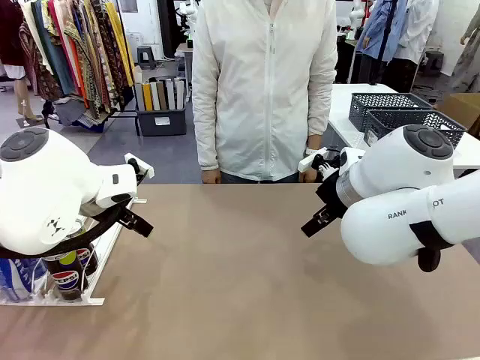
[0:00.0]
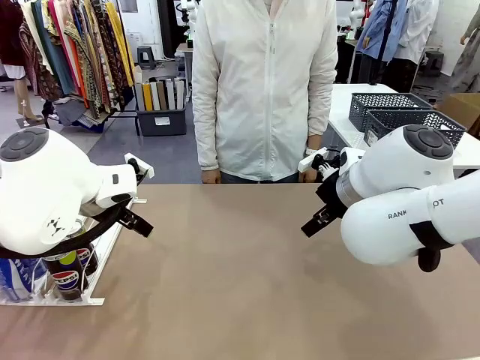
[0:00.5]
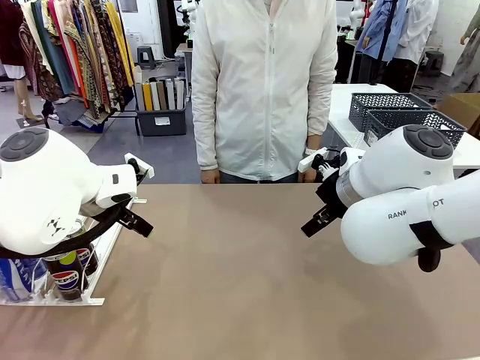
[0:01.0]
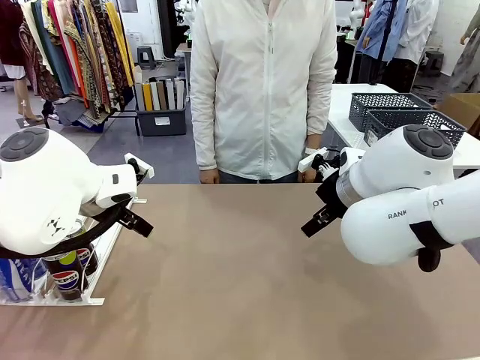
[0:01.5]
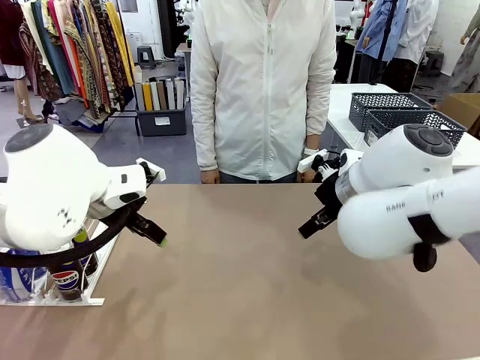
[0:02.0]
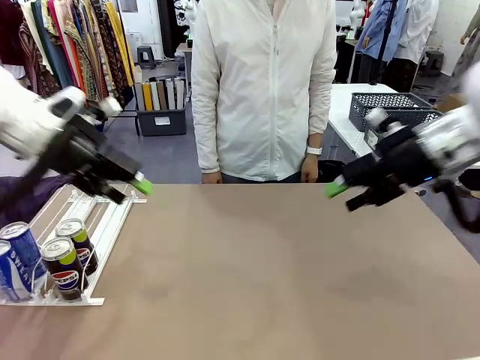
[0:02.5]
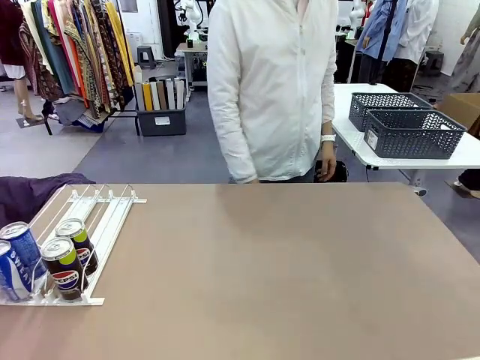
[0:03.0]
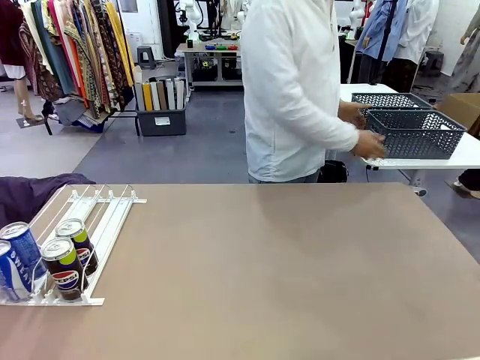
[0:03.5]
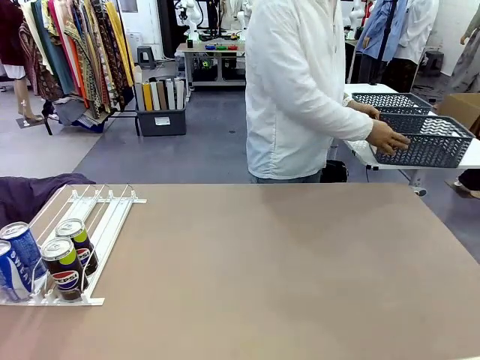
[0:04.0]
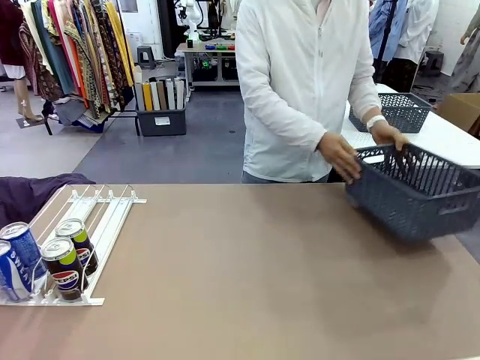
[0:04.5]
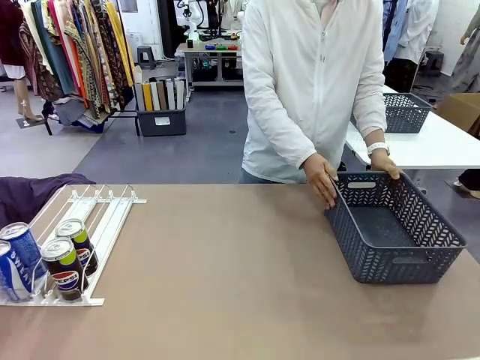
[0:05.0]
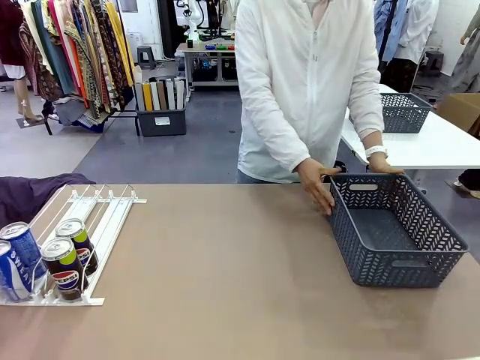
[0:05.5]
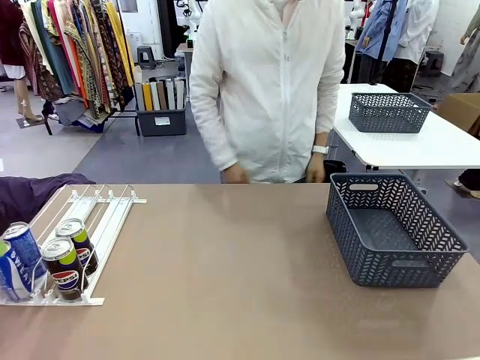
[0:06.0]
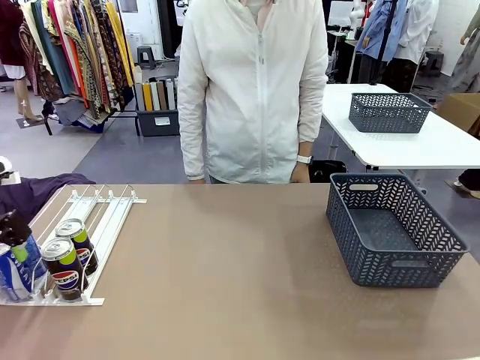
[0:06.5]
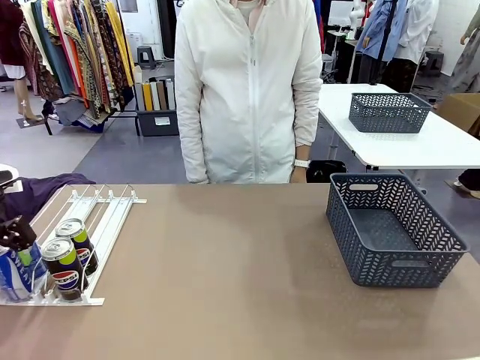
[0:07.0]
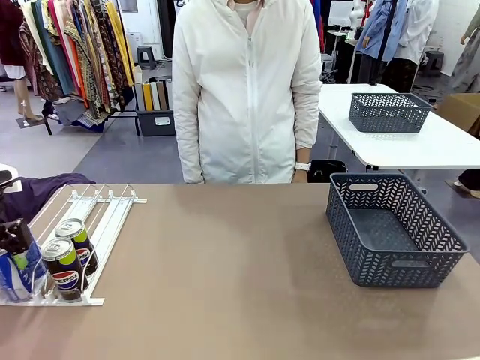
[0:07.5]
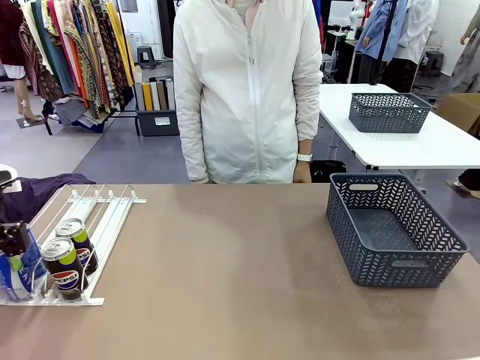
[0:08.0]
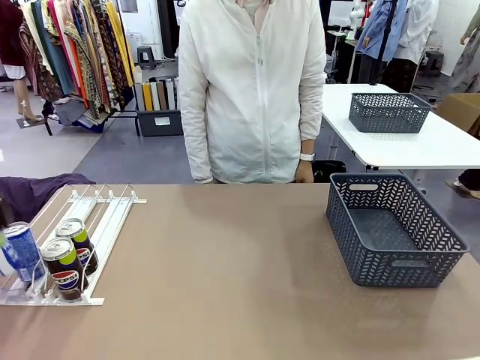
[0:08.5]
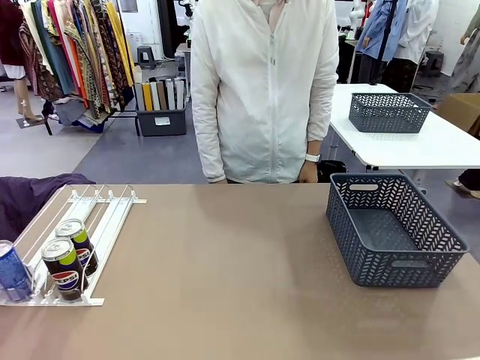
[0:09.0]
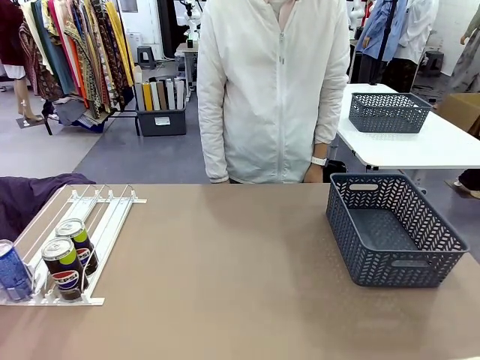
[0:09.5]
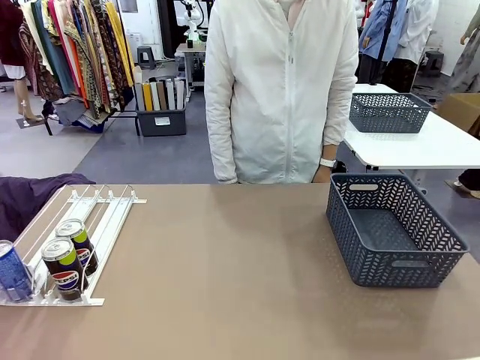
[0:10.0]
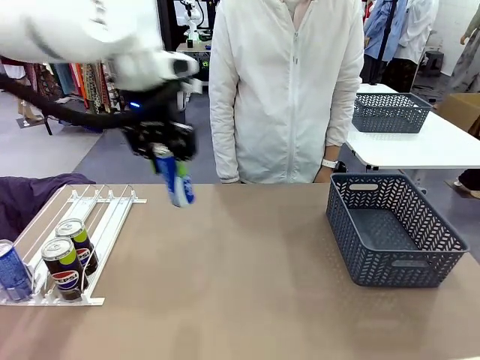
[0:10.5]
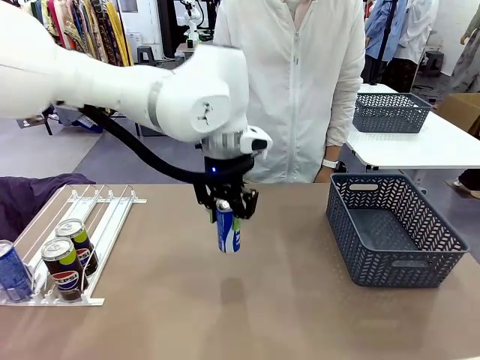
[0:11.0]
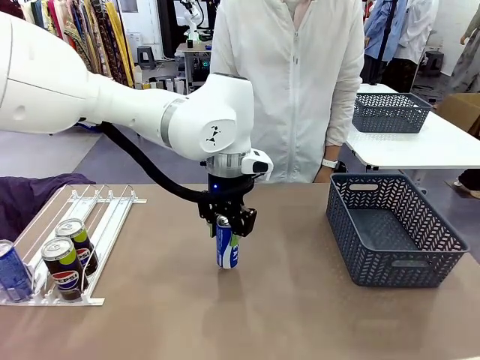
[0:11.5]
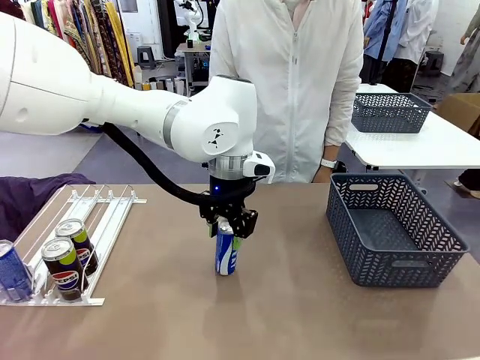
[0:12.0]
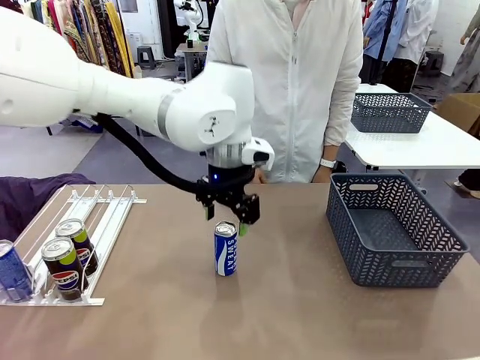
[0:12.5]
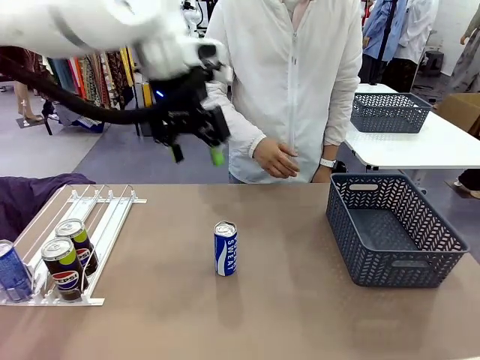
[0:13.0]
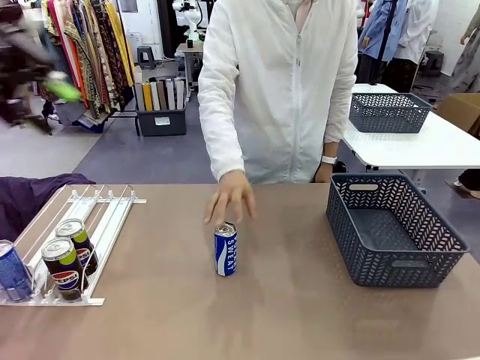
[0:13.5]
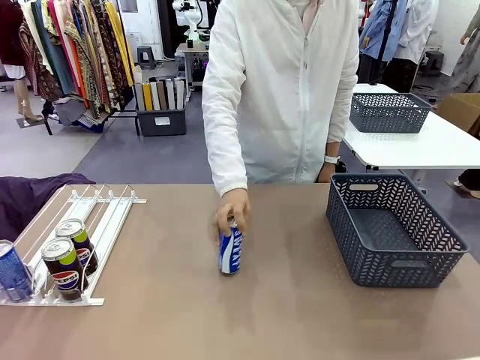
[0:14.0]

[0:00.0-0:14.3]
Task: Retrieve and store the cans from the dispenser.
Robot: Pick up one can from the Automatic Can Dispenser and place it in the middle of the table.
Person: Pick up the basket and place it on the left side of the robot table.

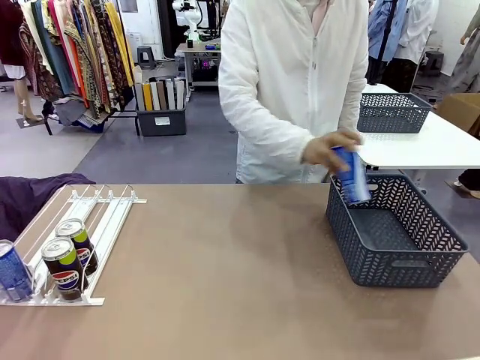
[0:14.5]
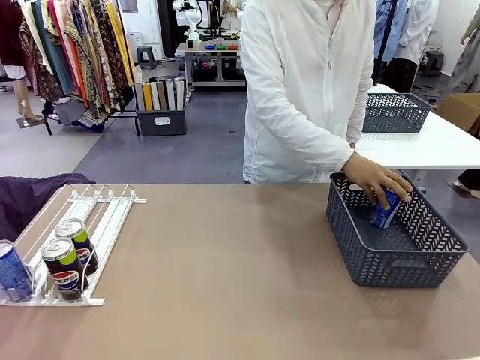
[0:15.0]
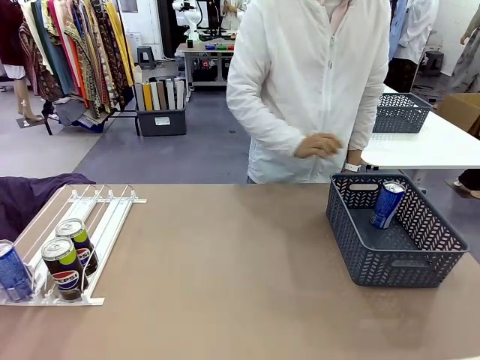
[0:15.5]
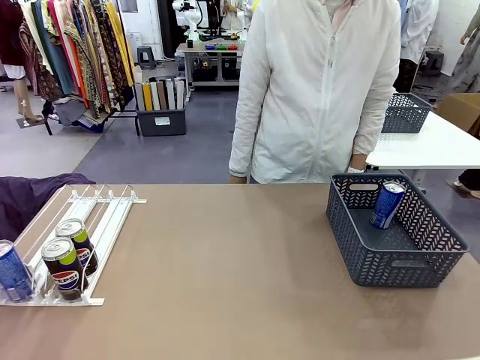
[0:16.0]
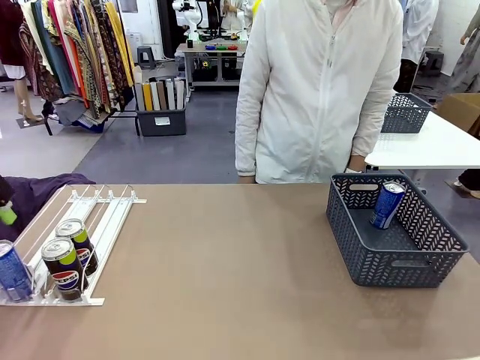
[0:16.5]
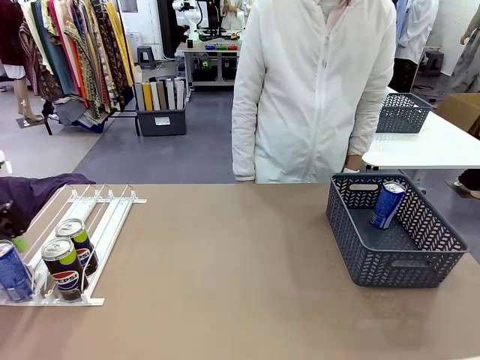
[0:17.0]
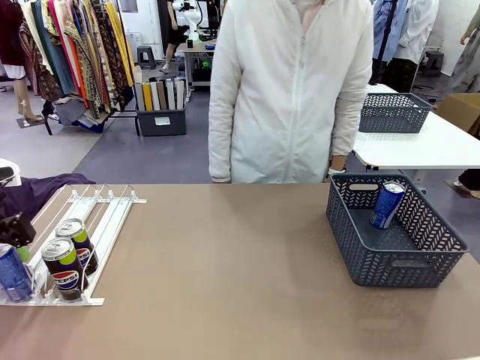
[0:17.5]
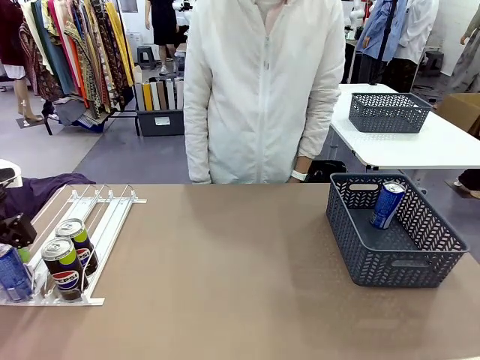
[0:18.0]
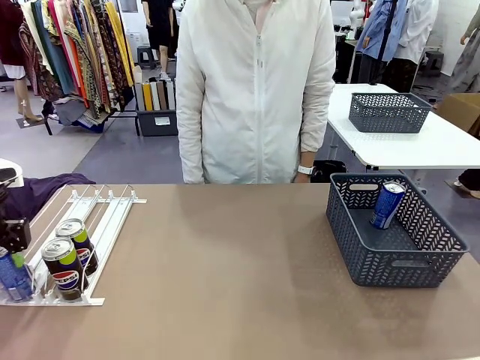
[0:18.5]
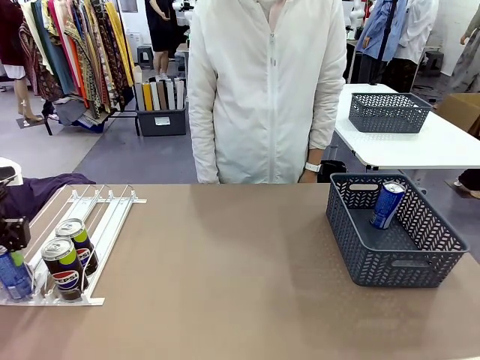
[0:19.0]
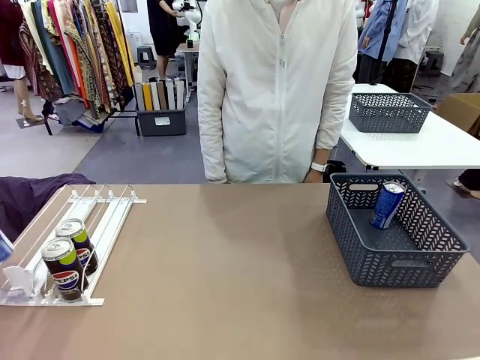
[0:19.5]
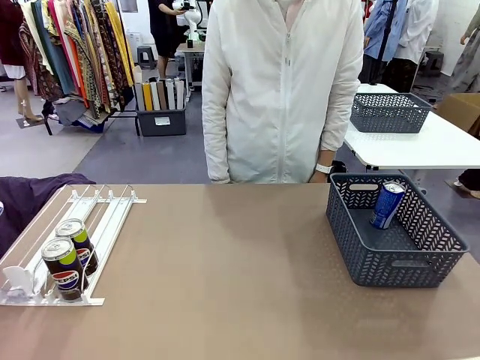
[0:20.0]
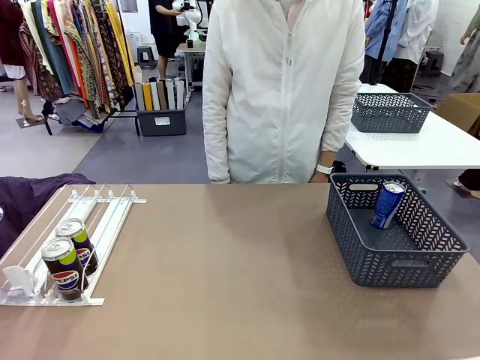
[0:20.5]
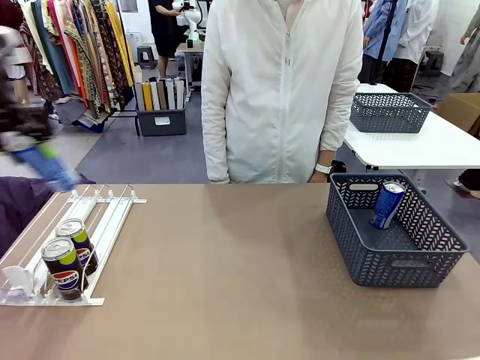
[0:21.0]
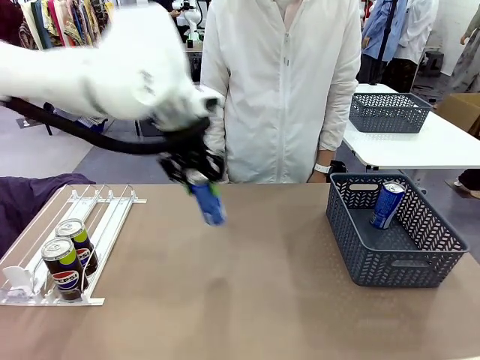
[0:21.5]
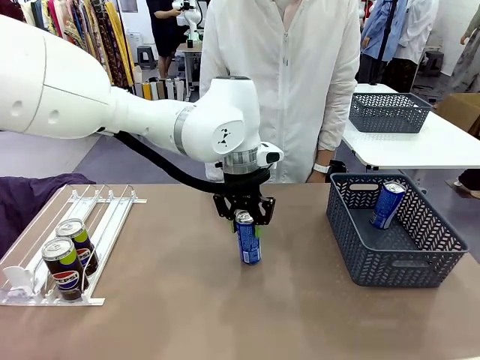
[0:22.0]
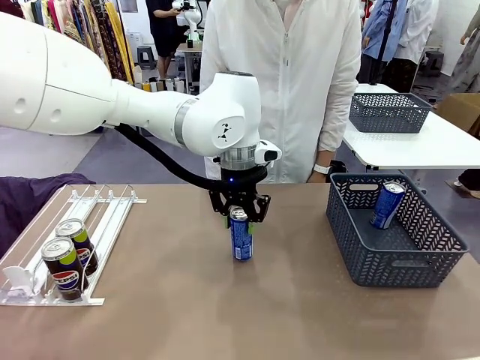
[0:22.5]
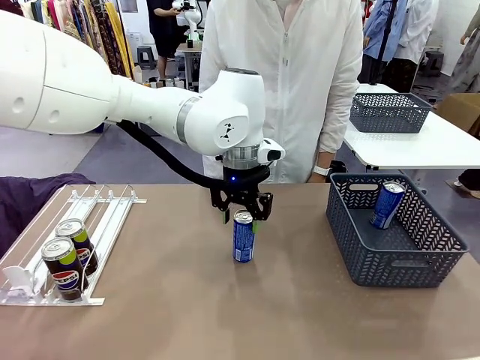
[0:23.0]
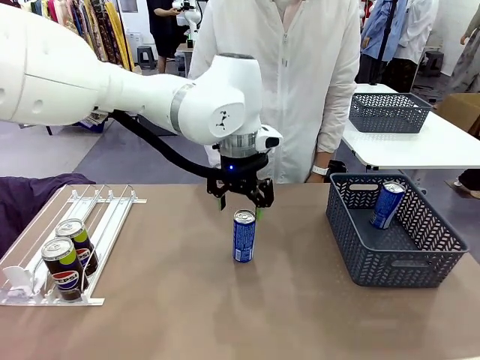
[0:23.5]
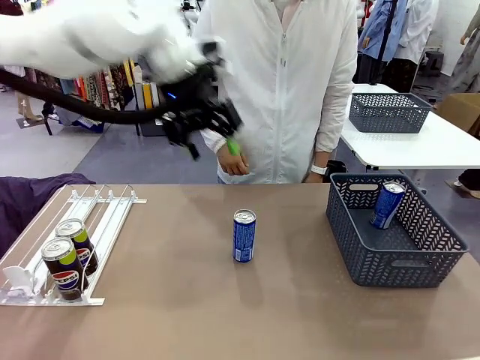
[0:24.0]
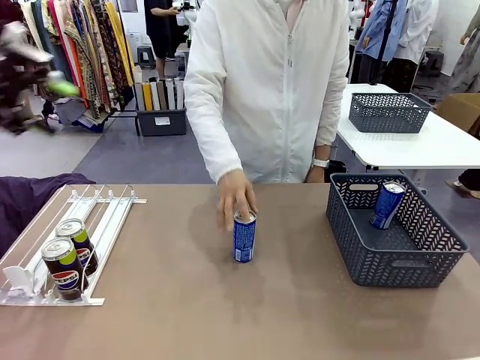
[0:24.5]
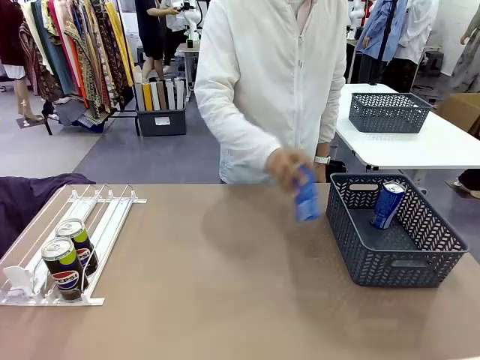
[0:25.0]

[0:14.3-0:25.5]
Robot: Pick up the last remaining can from one row of the Automatic Can Dispenser and place it in the middle of the table.
Person: Pick up one Pepsi can from the middle of the robot table and place it in the basket.
